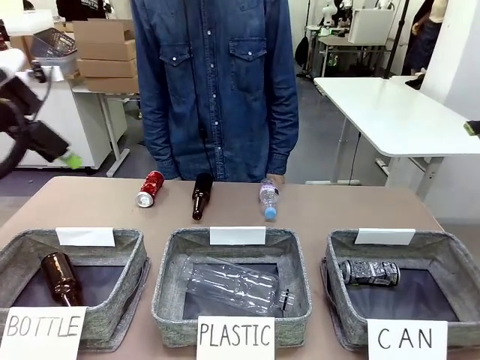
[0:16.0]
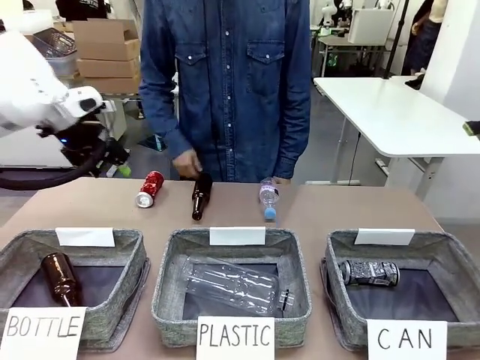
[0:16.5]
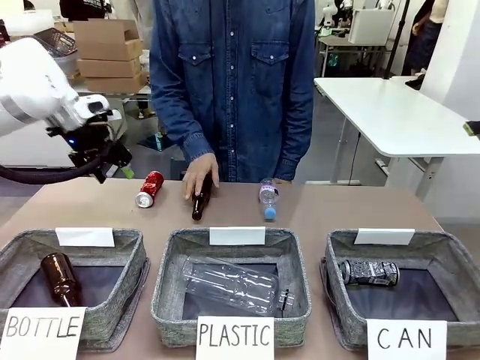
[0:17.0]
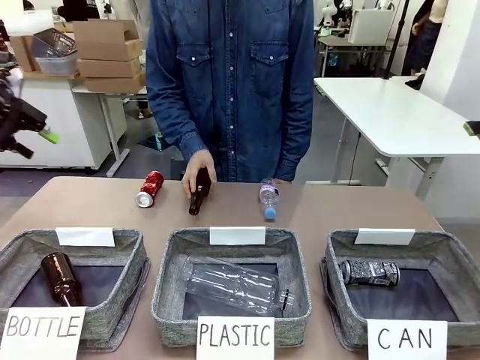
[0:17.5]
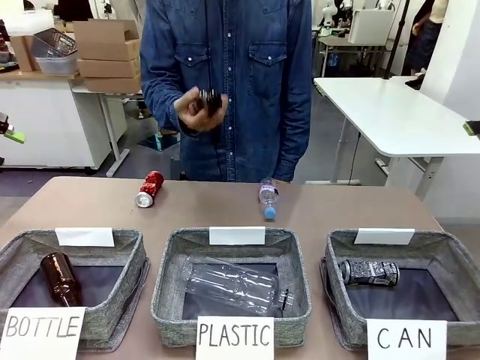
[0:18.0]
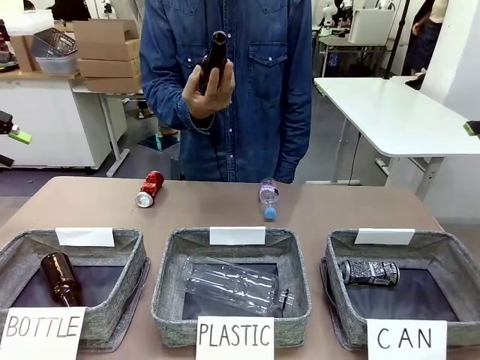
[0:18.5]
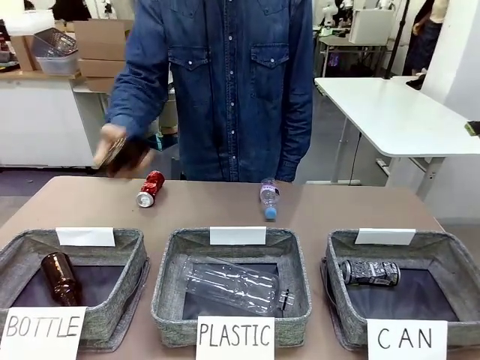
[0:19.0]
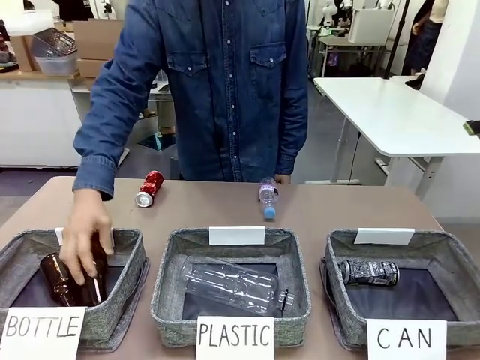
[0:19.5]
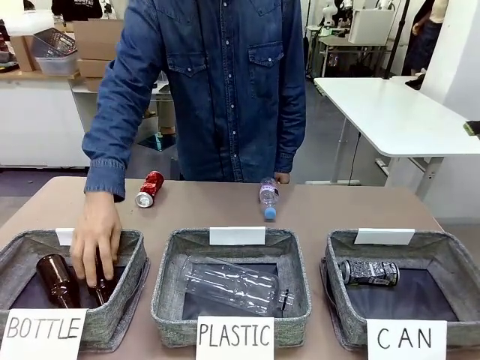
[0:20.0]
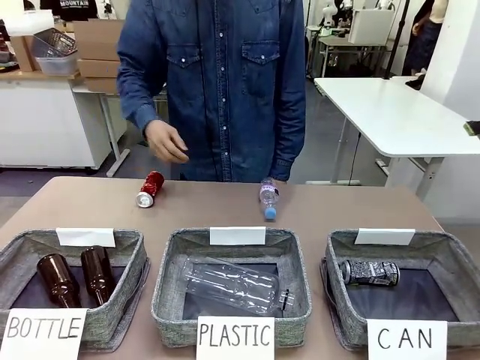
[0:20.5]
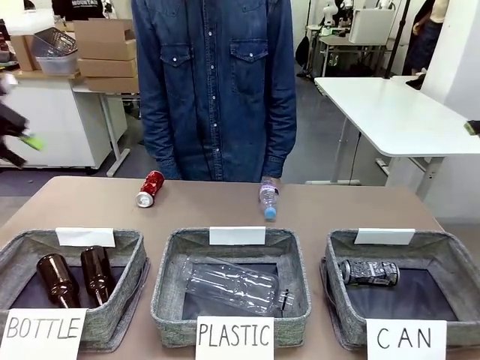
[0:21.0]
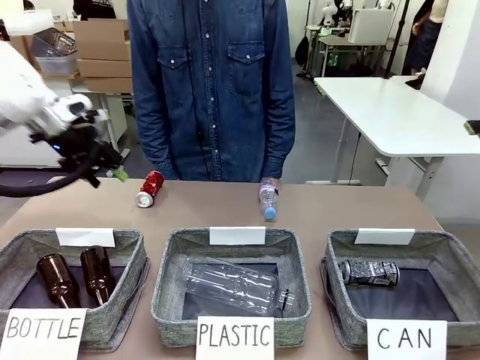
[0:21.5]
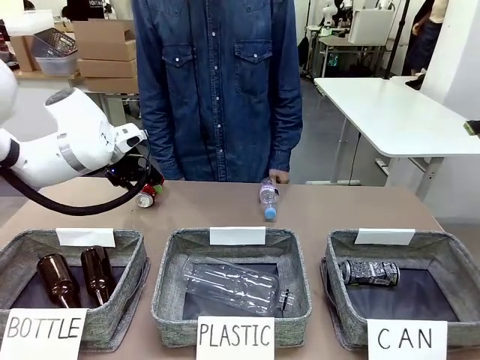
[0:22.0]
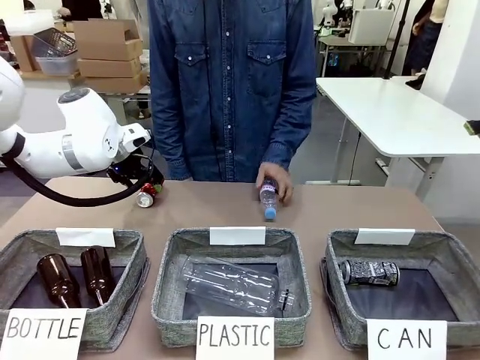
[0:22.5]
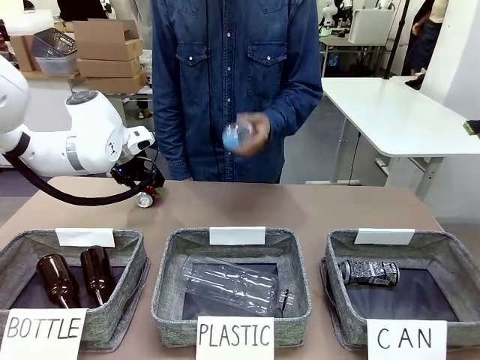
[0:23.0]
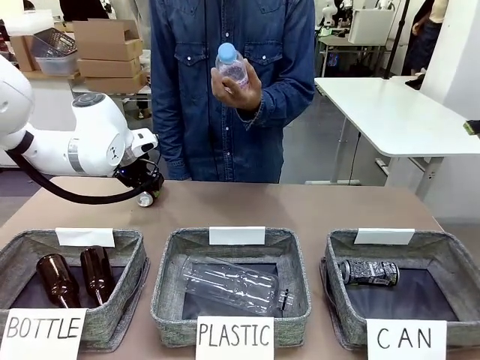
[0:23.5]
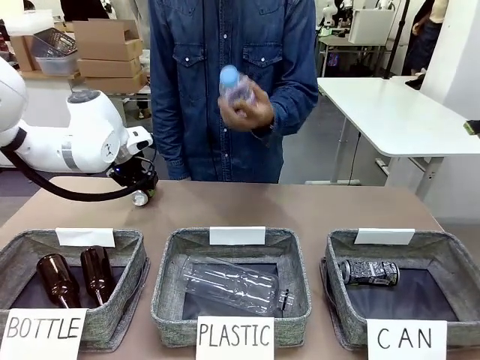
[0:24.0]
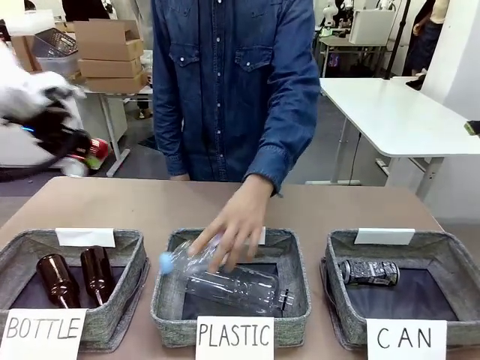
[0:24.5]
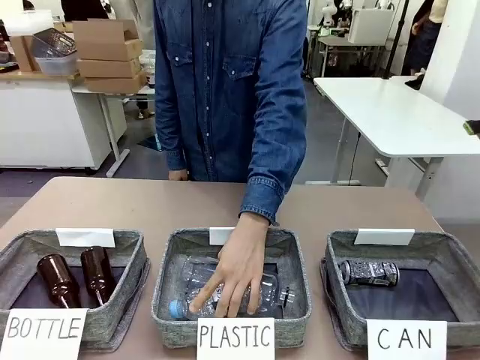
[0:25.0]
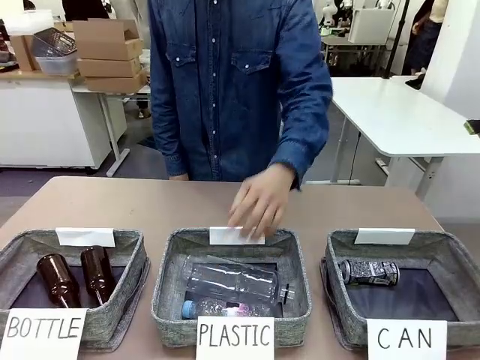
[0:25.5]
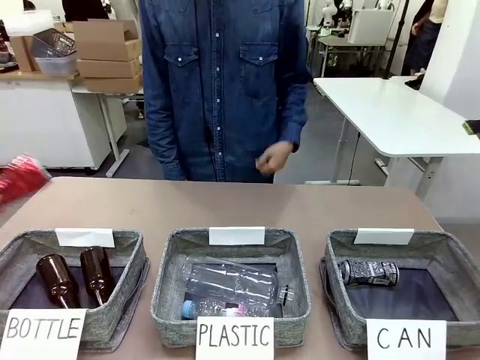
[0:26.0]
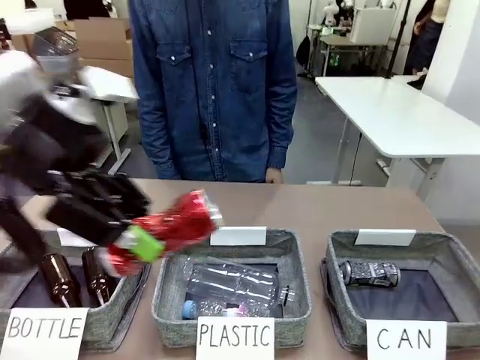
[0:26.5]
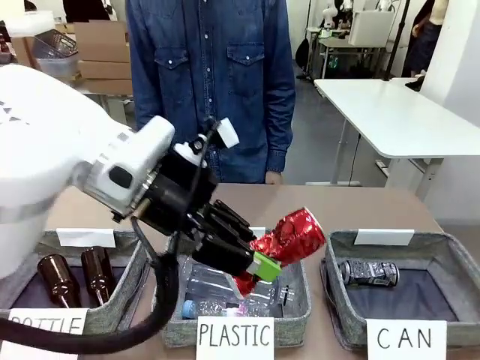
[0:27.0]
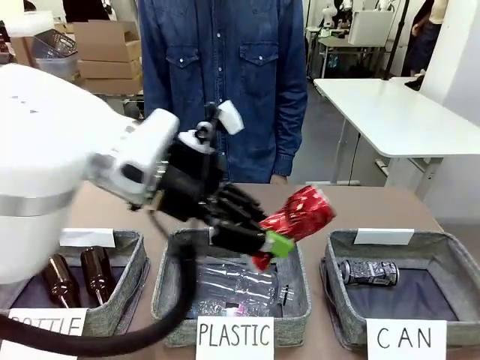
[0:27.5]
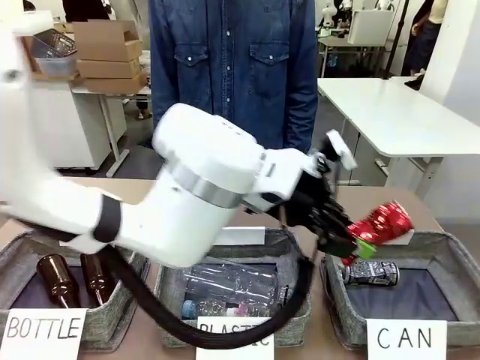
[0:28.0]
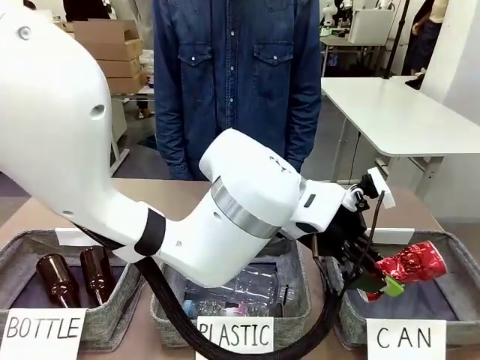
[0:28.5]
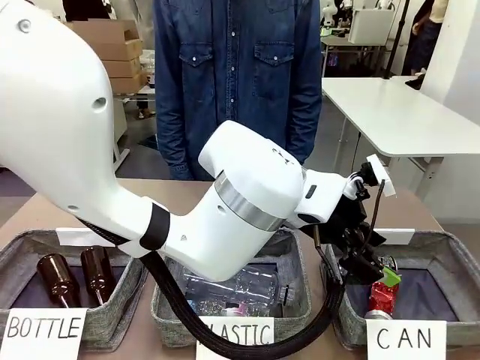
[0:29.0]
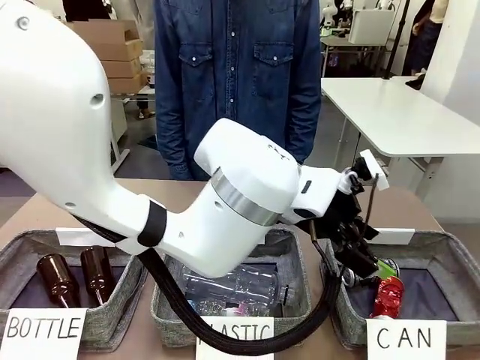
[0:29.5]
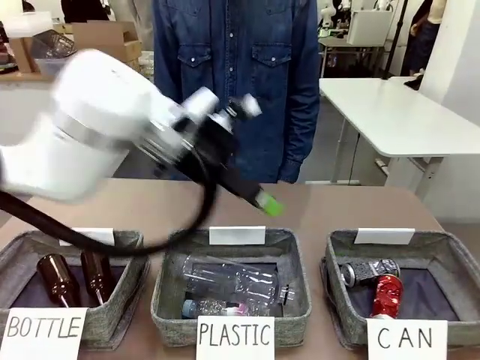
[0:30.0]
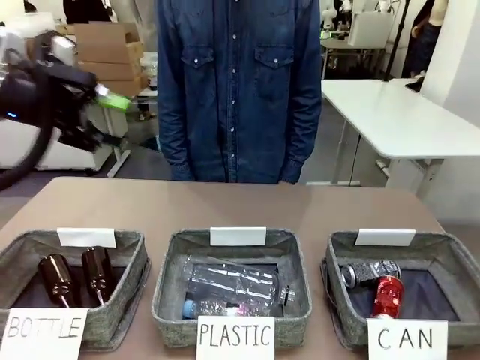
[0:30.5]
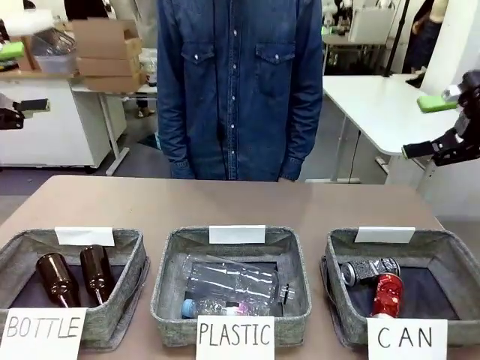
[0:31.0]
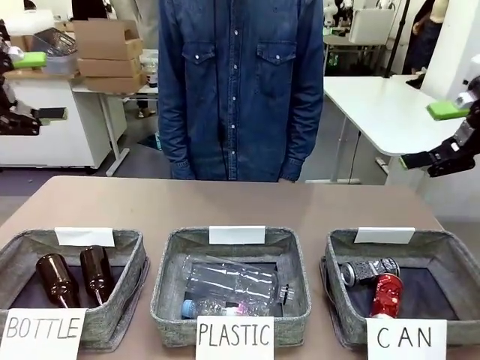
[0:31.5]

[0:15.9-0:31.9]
Task: Sort the can waste into the basket.
Robot: Pick up the can waste from the table and place it in the right Fabric basket.
Person: The human picks up one piece of trash that is not a can and places the trash into the appropriate organizing basket.

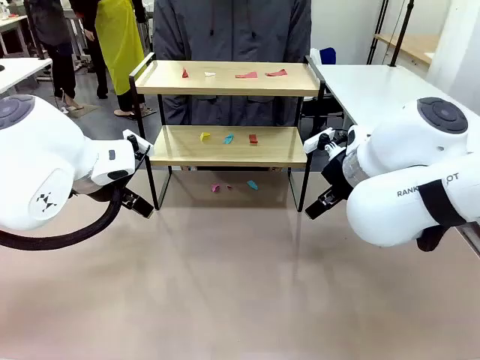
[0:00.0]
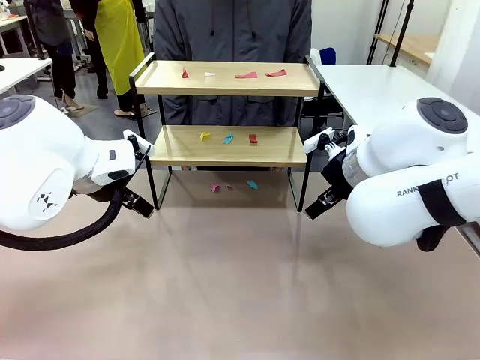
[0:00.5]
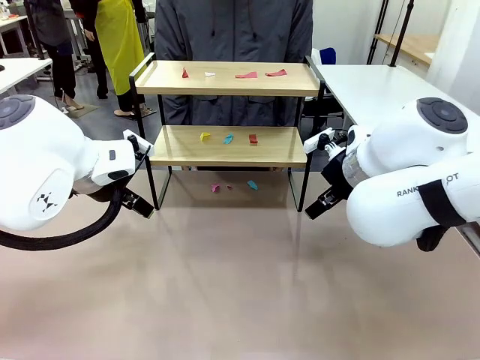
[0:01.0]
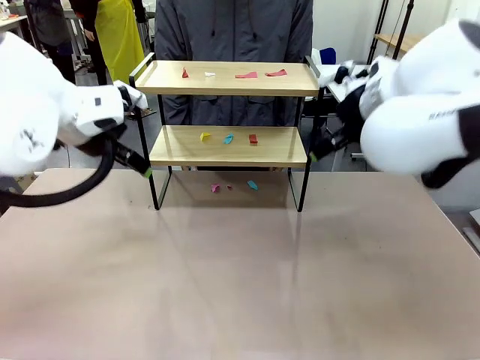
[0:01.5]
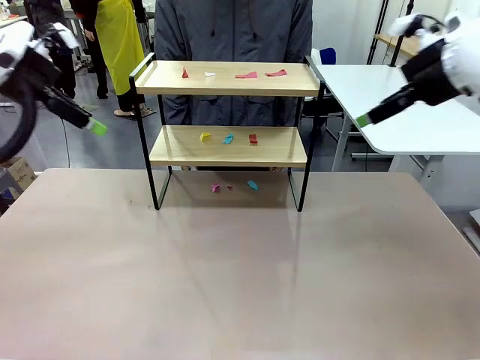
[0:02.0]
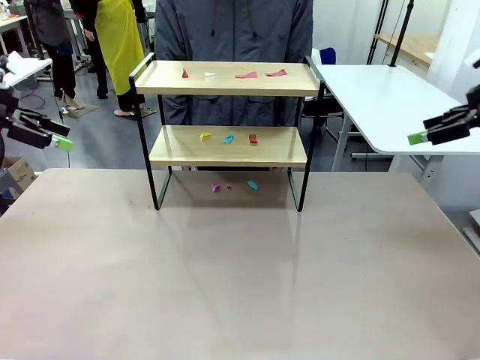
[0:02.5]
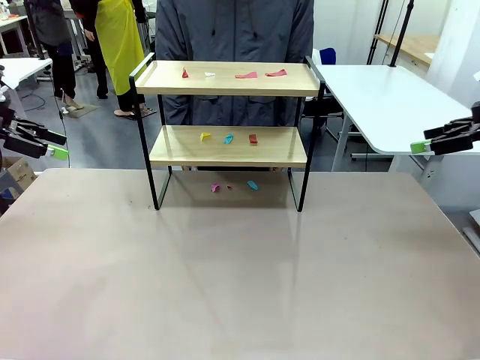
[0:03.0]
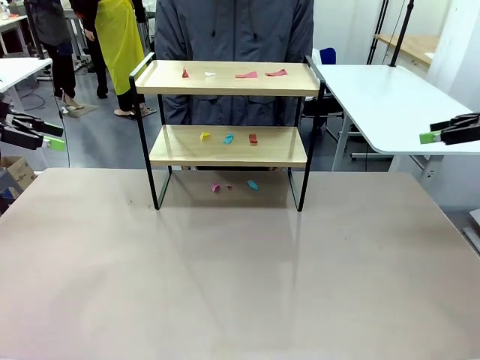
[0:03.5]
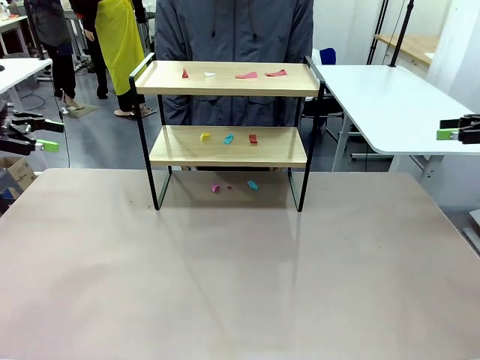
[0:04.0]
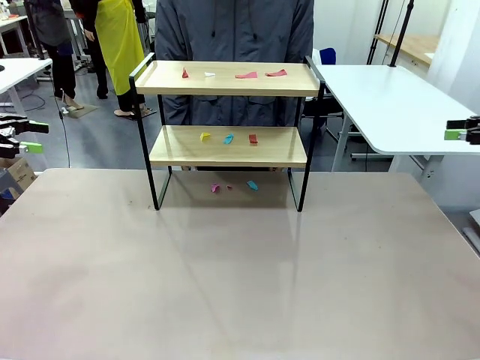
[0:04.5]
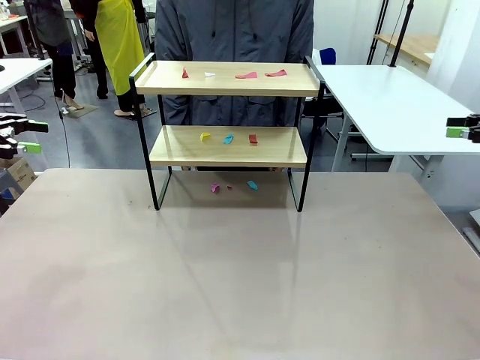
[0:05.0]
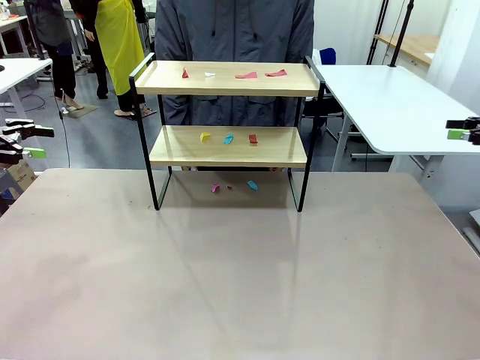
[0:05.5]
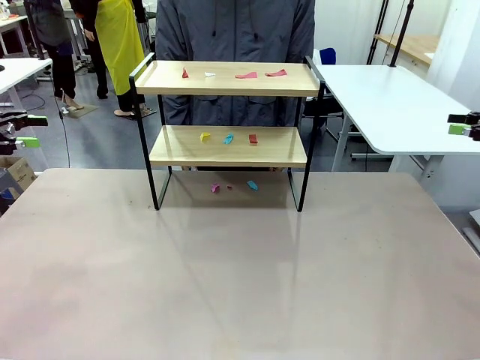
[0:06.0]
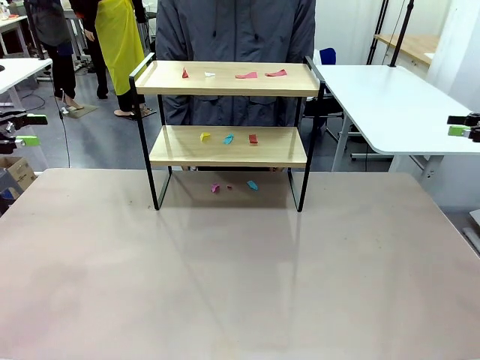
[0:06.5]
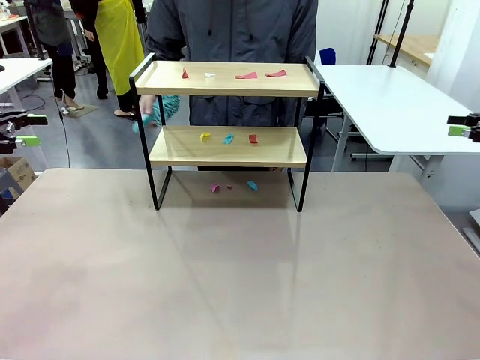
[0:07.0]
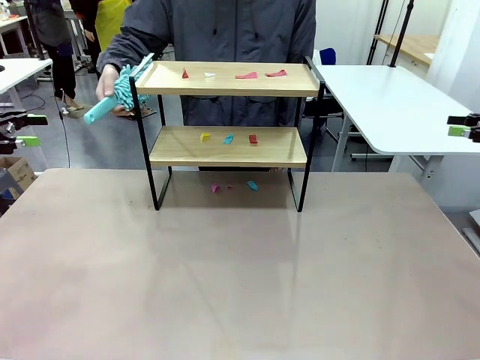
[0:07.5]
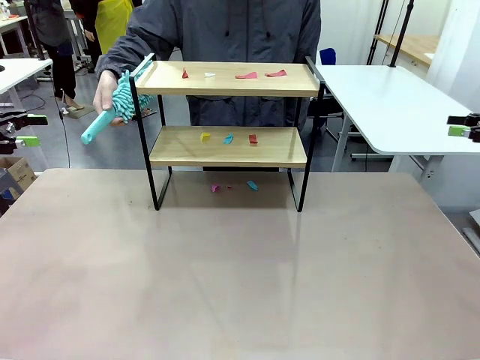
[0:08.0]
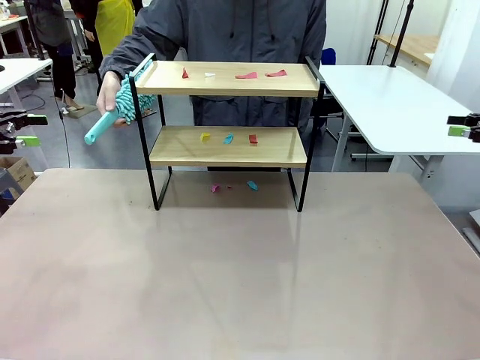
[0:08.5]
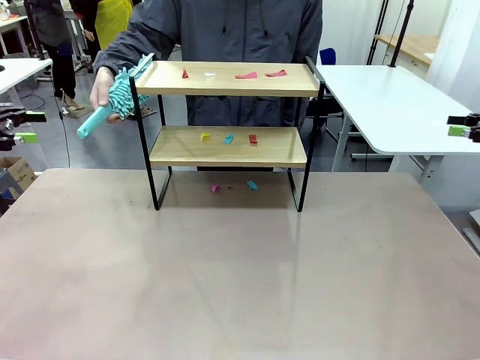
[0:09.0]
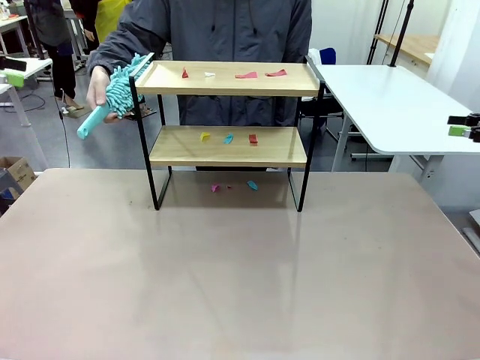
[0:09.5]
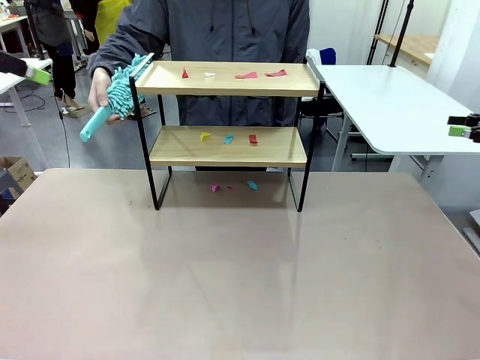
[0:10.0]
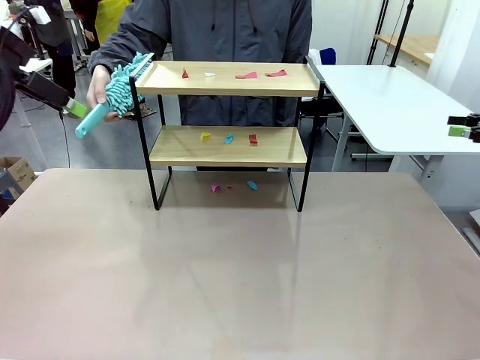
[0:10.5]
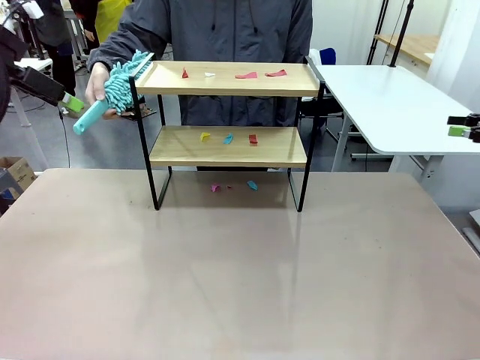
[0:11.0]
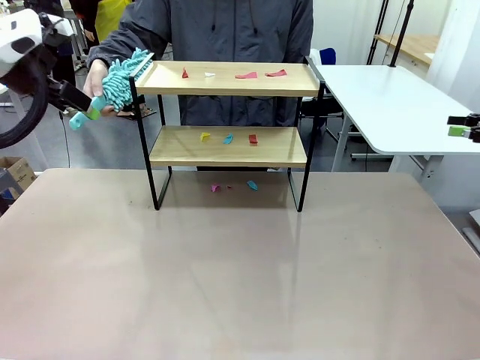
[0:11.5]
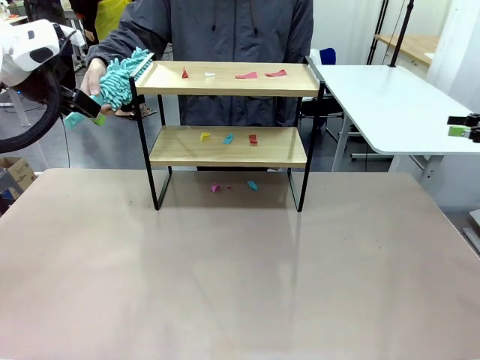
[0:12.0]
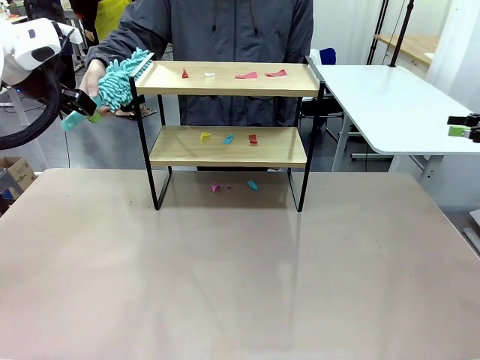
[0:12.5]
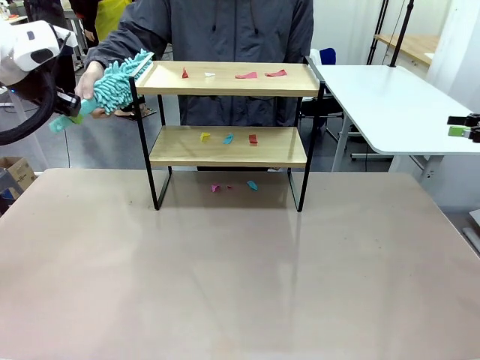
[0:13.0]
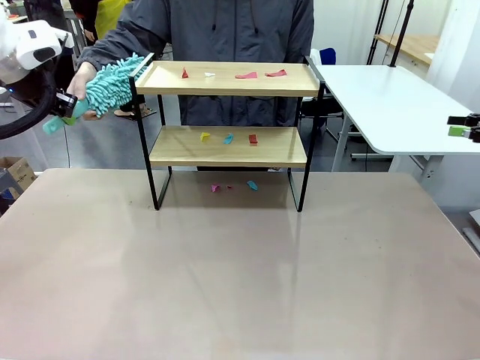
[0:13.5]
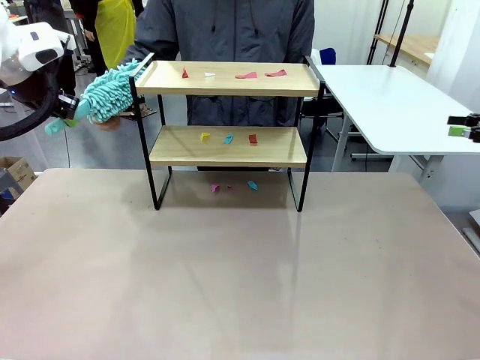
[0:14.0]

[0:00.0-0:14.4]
Task: Clean the shelf.
Robot: Pick up the Duster handed by the human.
Person: Hand the Duster to the robot.
